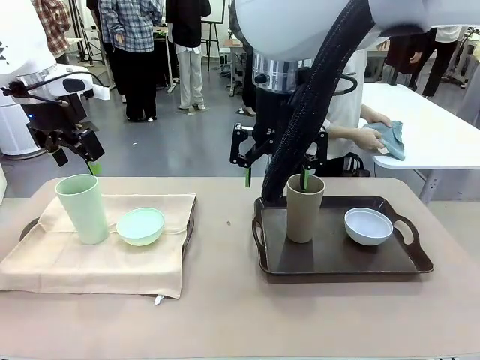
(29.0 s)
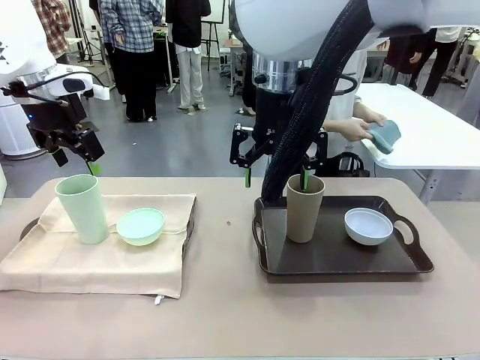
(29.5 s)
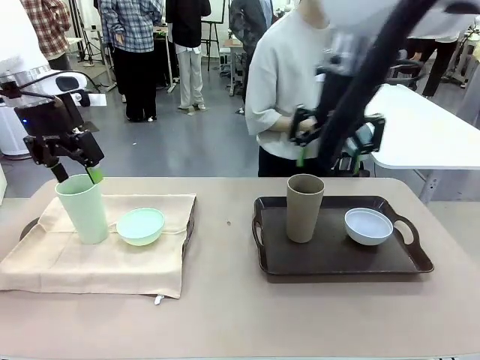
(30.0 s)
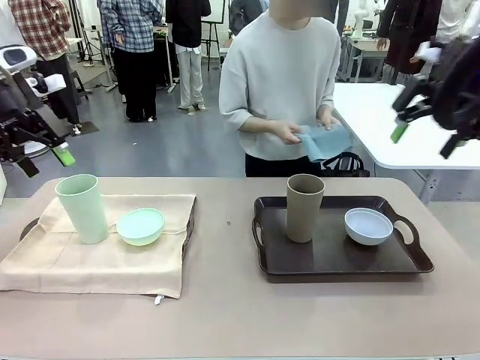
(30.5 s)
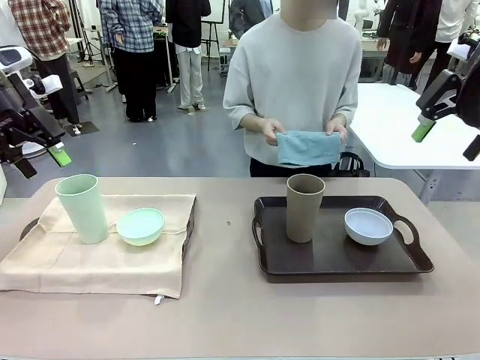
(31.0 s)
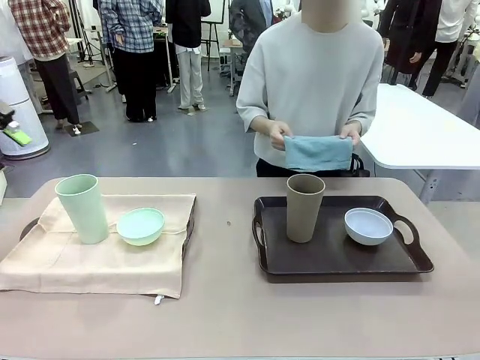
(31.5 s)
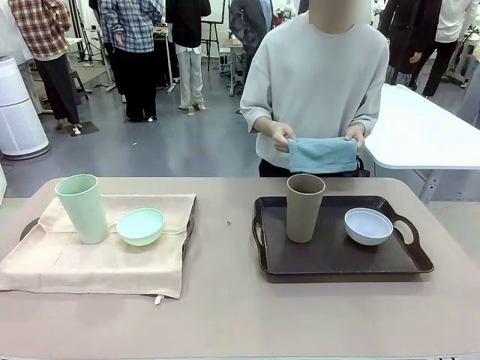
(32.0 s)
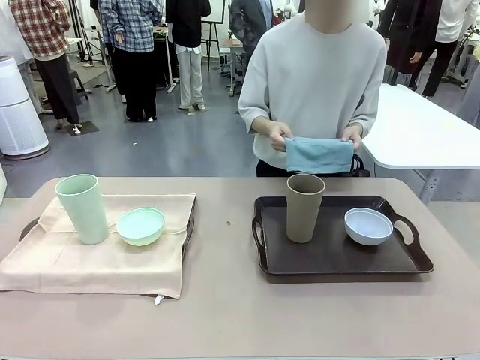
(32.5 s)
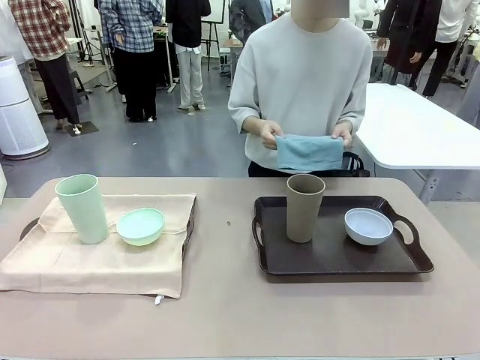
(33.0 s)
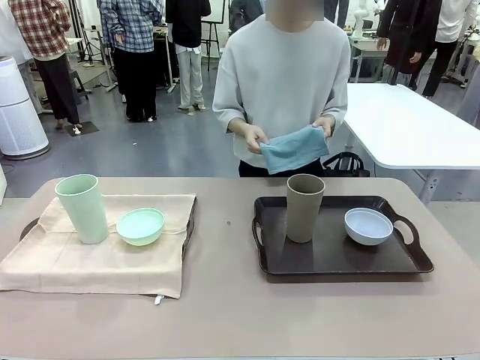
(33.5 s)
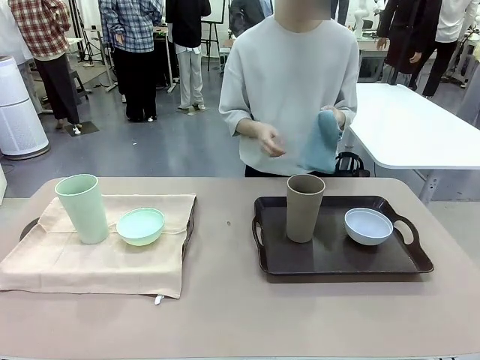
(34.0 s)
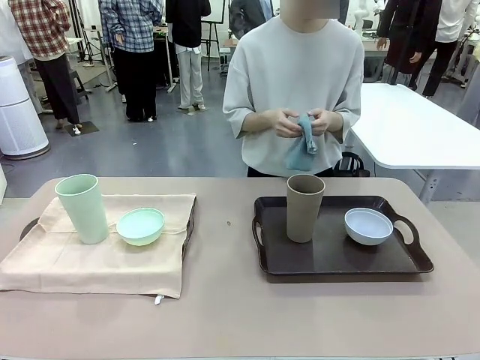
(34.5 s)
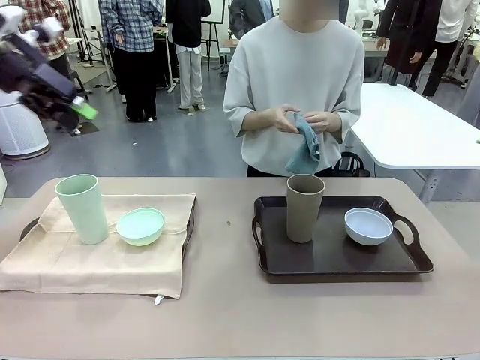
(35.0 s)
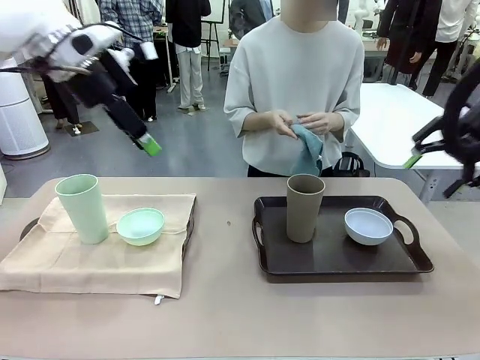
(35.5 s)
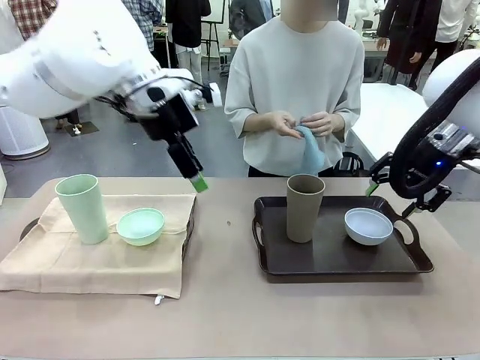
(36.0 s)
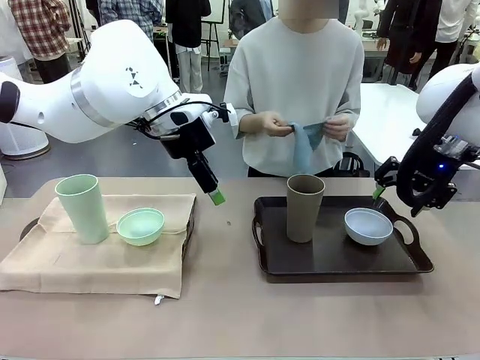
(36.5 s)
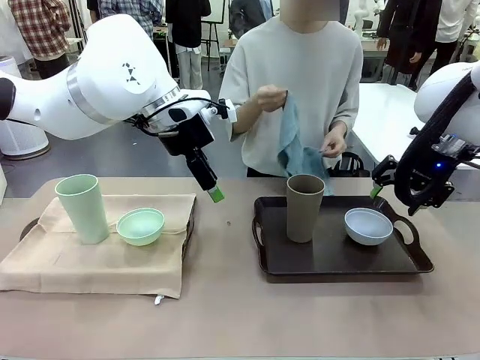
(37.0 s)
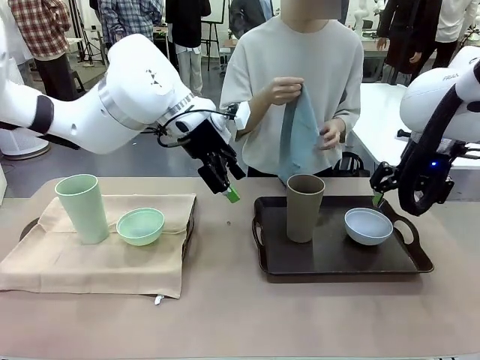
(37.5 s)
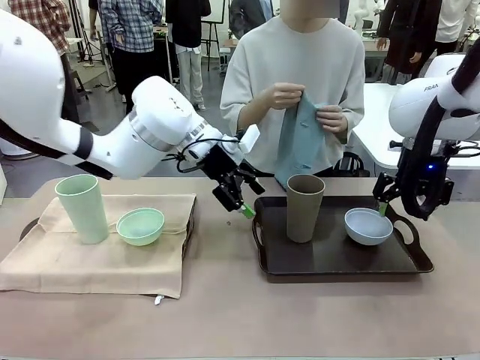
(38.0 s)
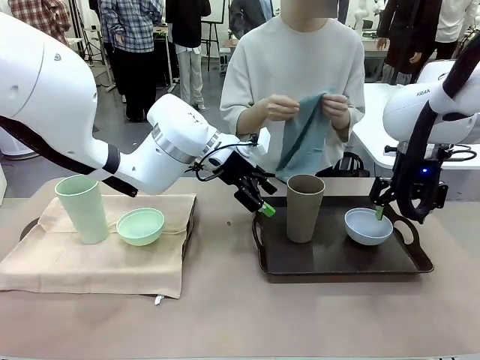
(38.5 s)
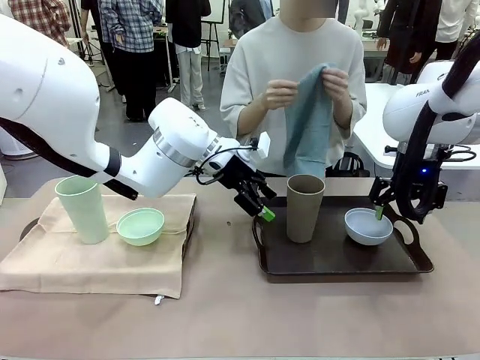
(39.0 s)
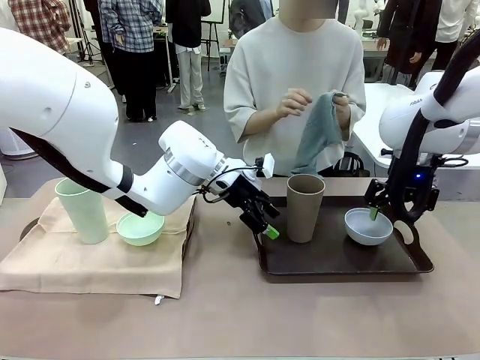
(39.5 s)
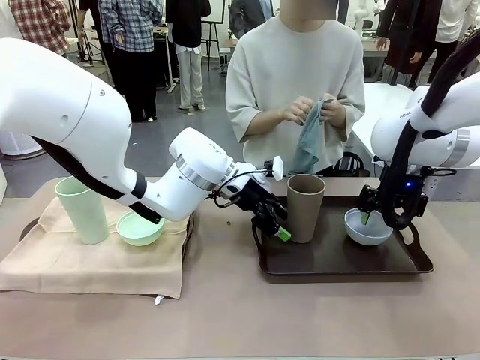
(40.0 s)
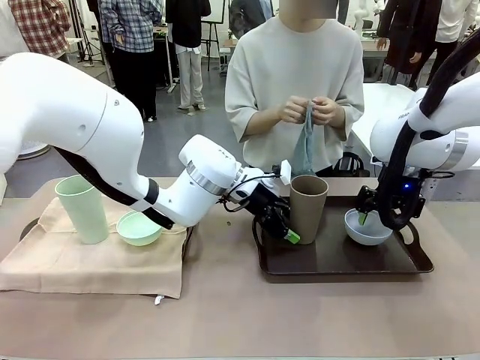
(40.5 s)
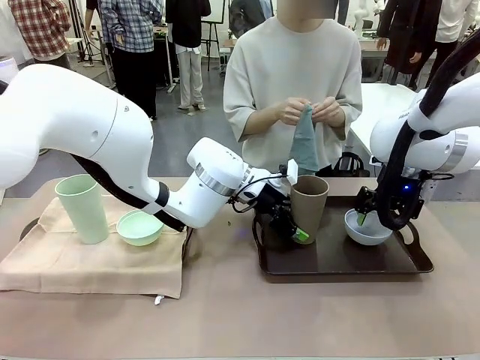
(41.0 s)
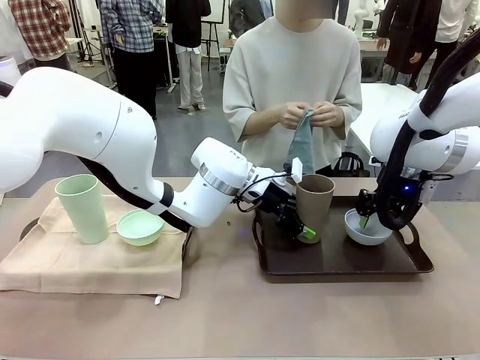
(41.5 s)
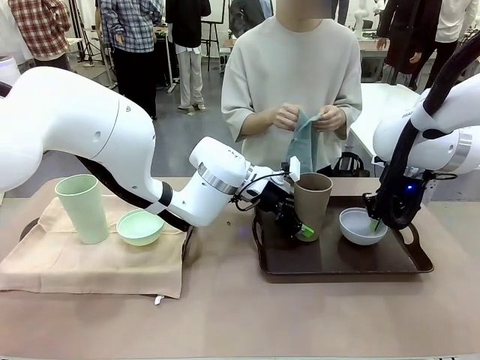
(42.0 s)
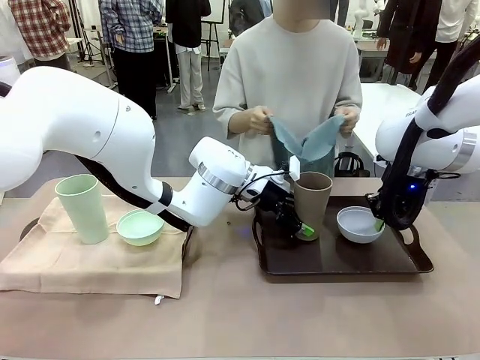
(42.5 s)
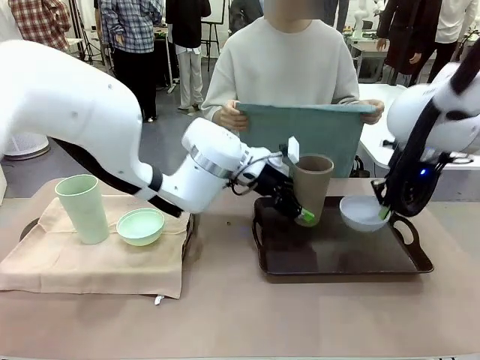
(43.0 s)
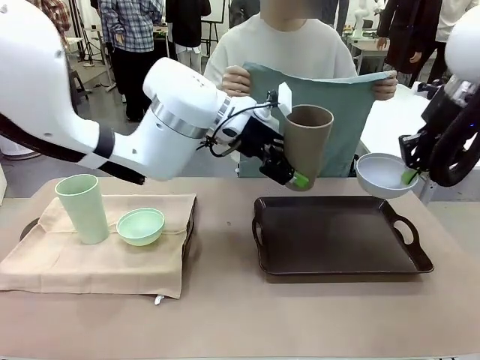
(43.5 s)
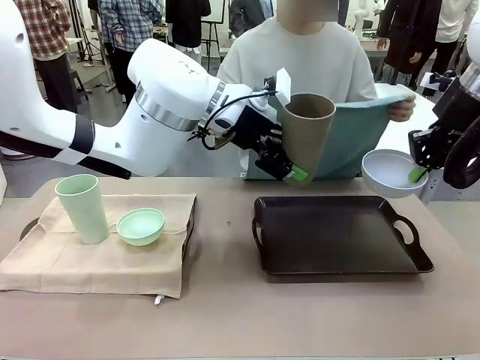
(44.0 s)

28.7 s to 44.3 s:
Robot: Pick up the Picnic Bowl and Reusable plastic cup from the Handle tray in front of the human's position and hold them in the air.
Person: When the robot lifts the bowl and the cup, the human unfolds the napkin and lays the napkin flat on the tray.

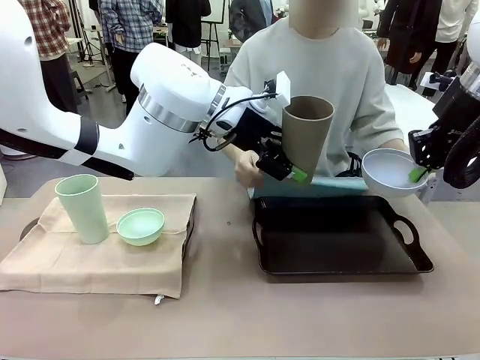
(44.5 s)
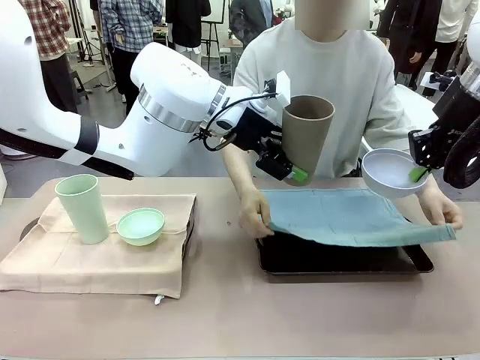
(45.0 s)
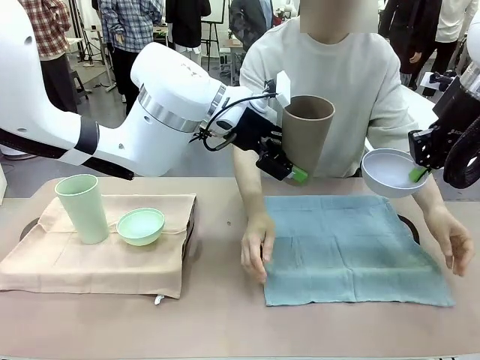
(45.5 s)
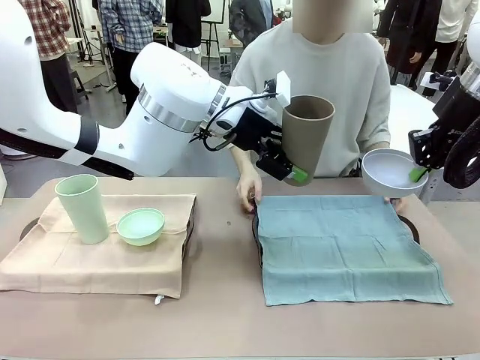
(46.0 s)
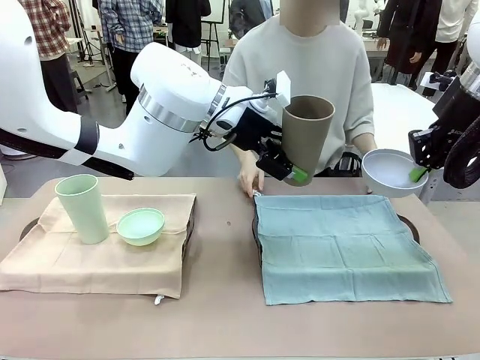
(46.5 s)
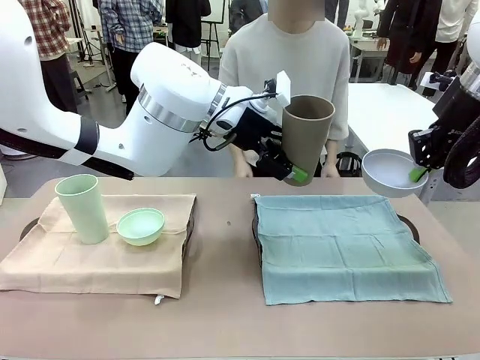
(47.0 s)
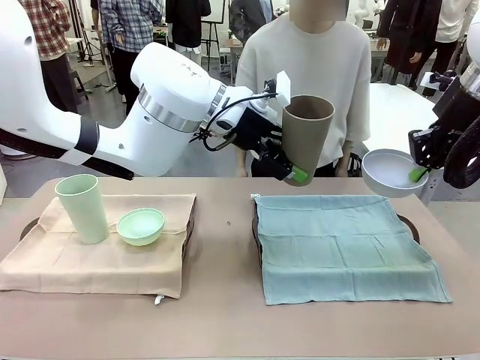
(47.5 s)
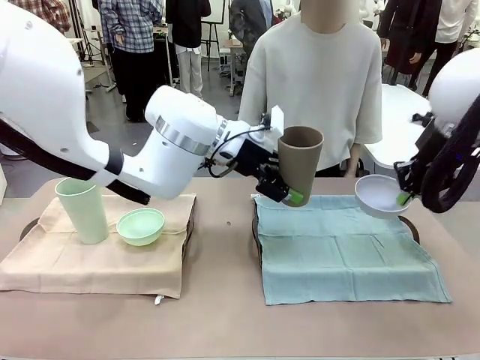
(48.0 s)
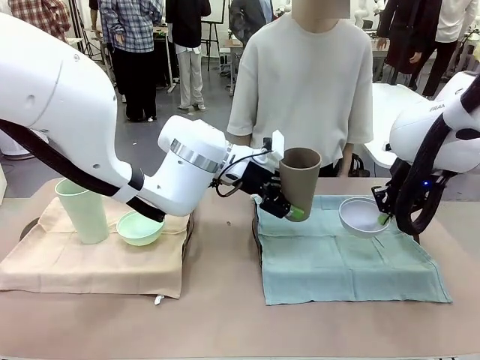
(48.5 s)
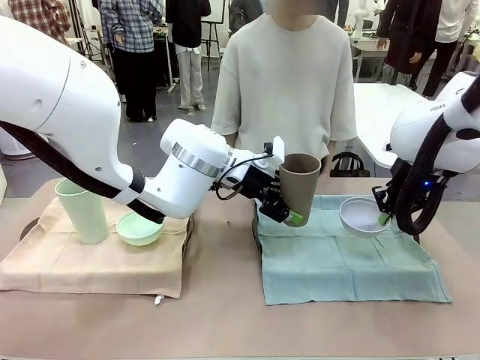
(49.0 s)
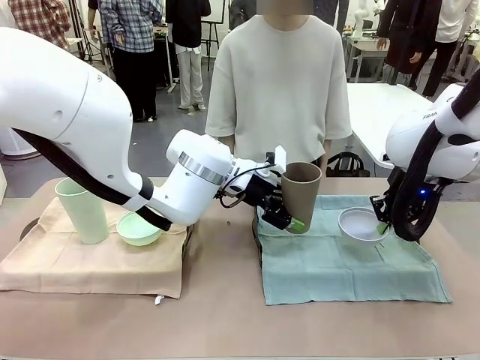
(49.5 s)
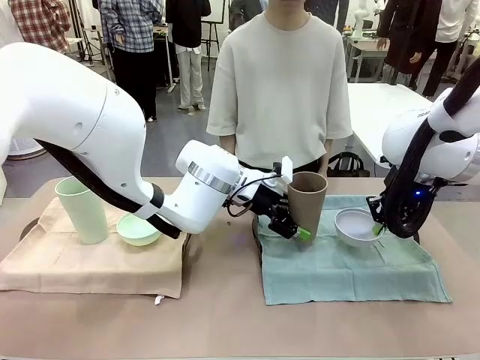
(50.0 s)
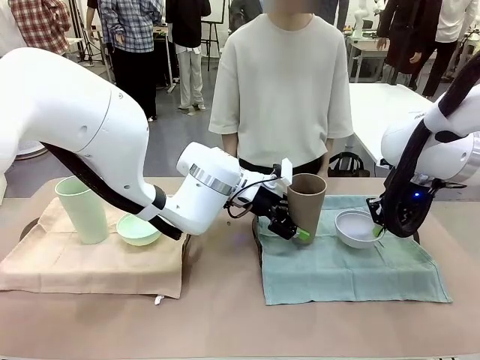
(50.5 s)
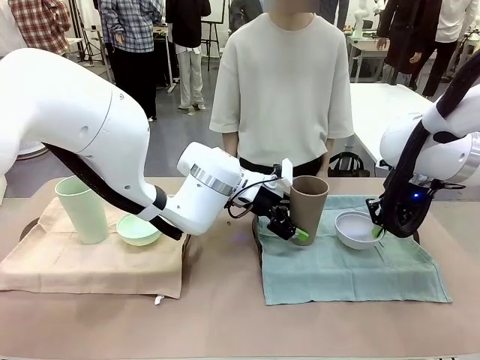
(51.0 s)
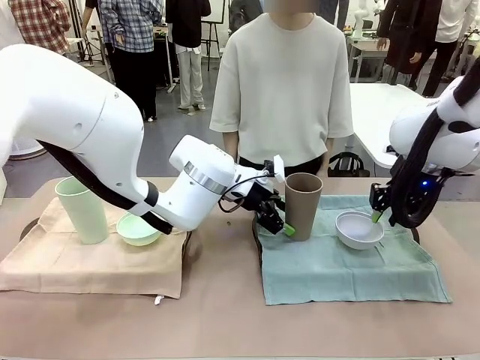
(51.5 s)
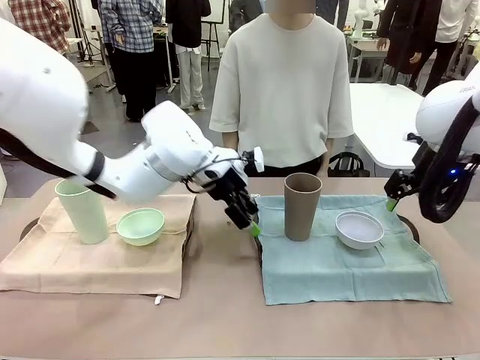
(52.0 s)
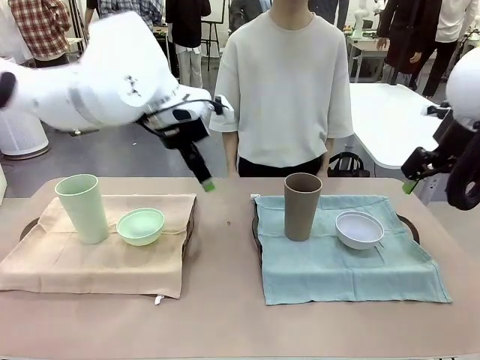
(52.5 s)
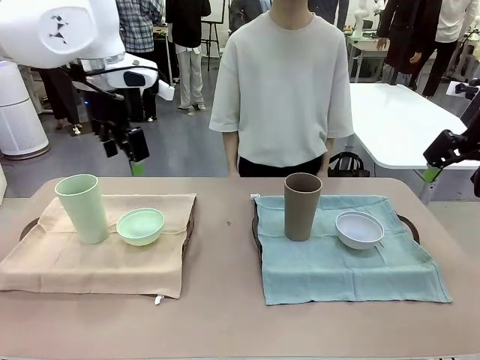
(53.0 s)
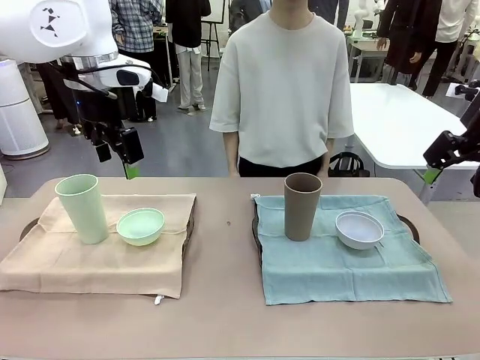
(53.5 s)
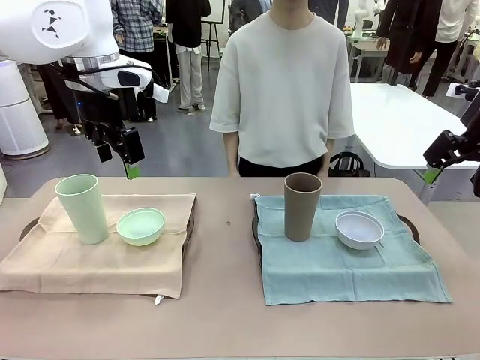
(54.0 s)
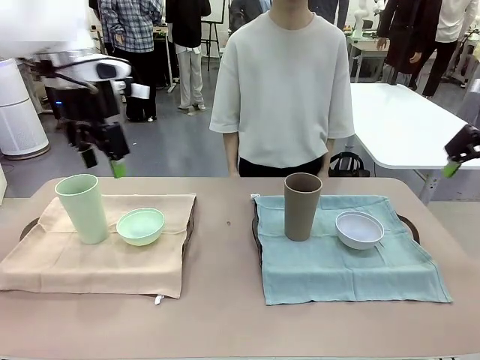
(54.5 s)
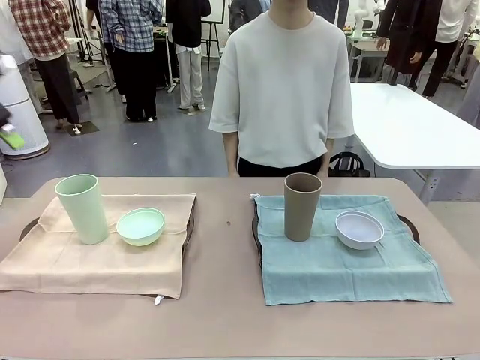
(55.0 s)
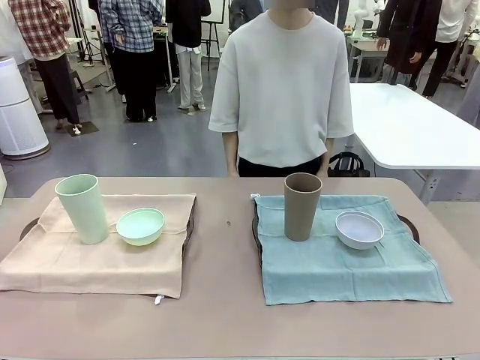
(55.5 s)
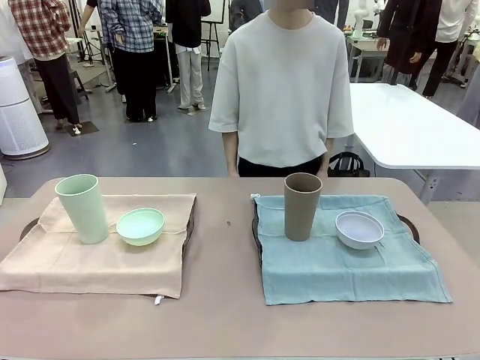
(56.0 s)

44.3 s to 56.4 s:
Robot: Place the Picnic Bowl and Reusable plastic cup back onto the Handle tray in front of the human's position.
